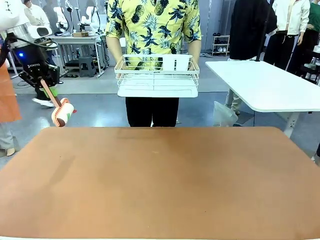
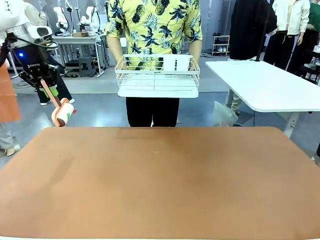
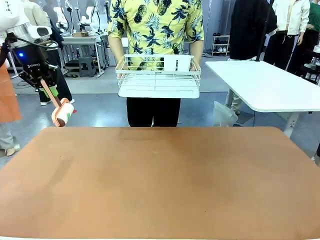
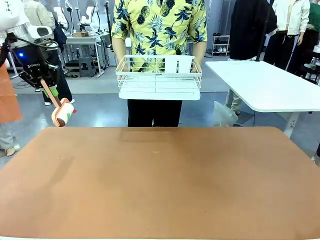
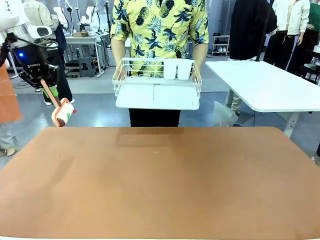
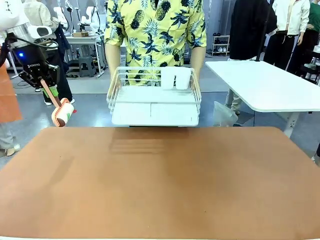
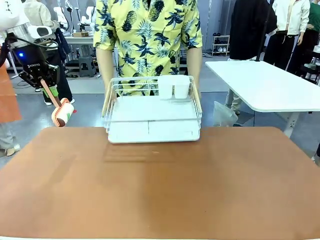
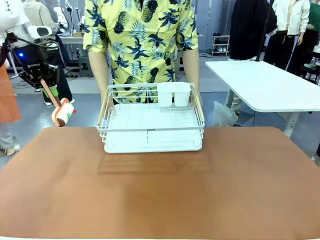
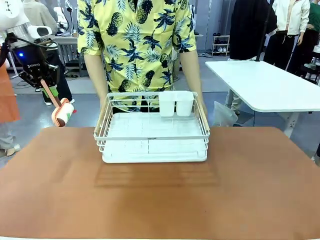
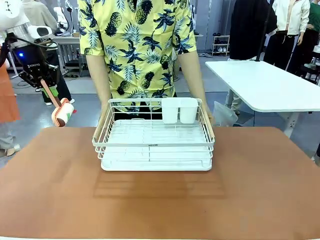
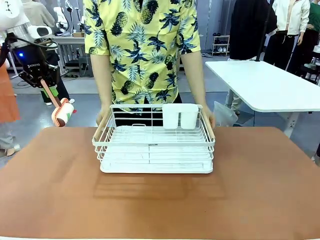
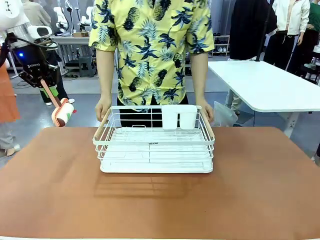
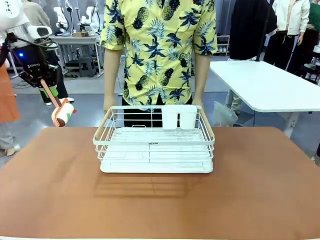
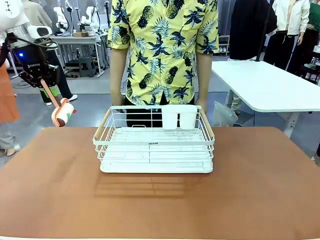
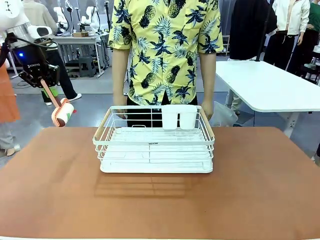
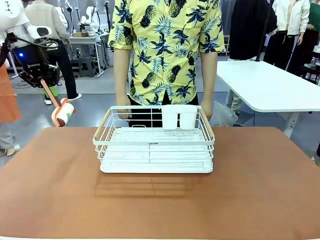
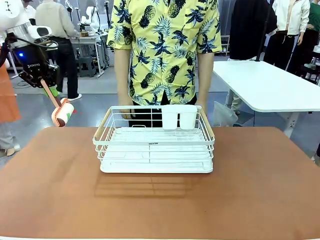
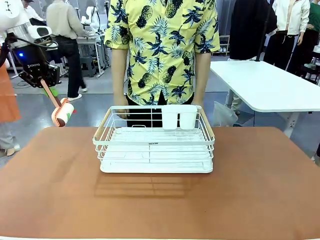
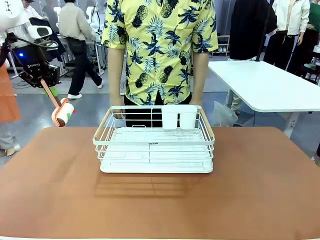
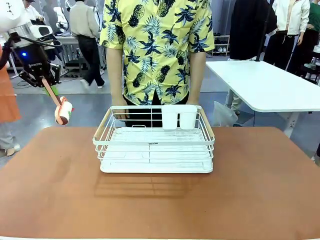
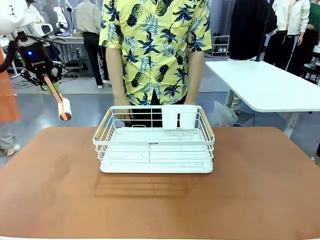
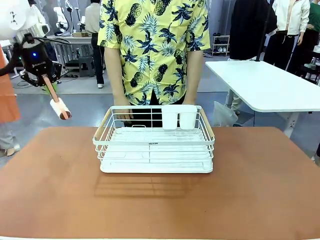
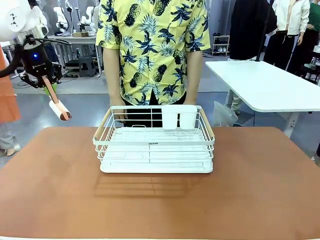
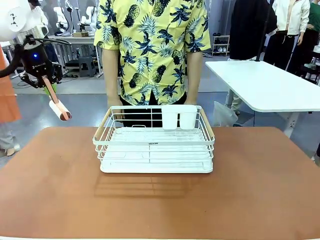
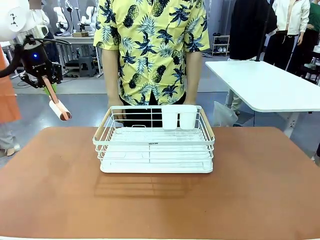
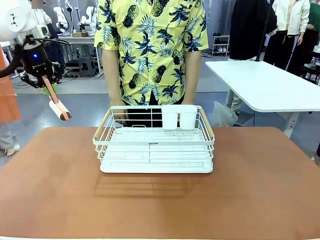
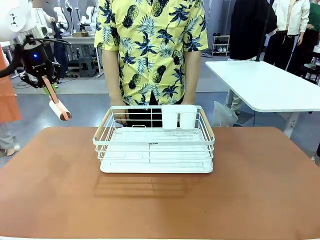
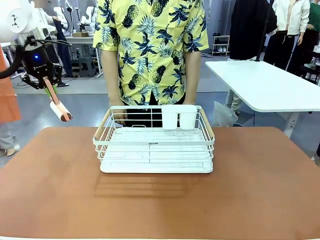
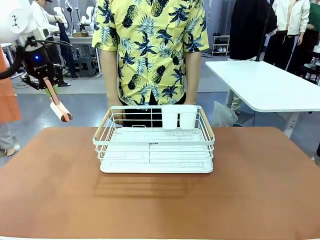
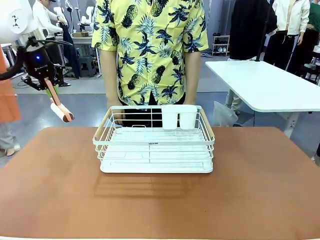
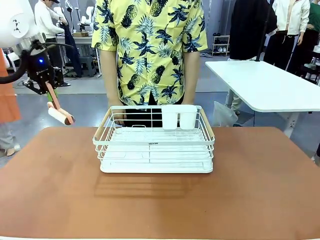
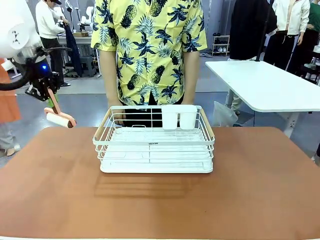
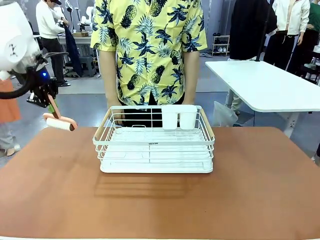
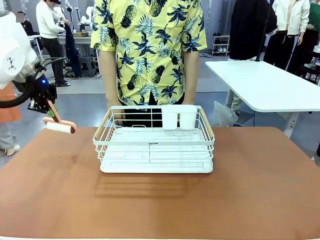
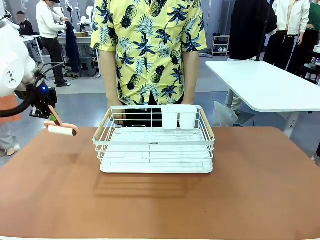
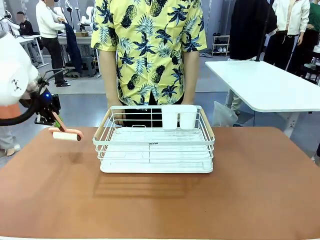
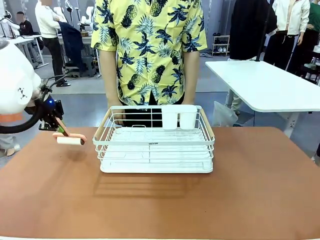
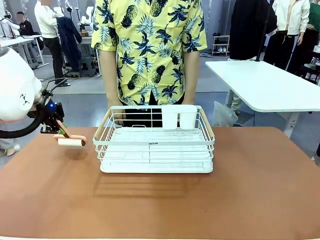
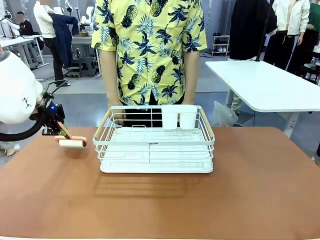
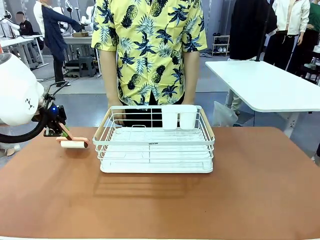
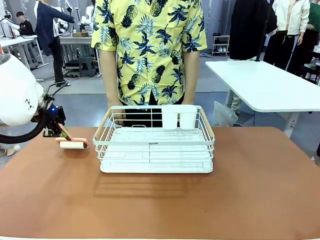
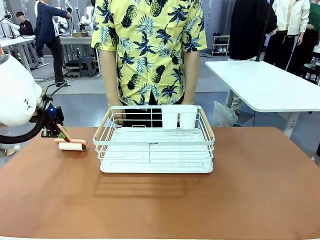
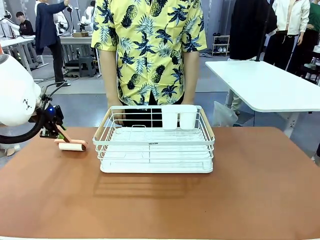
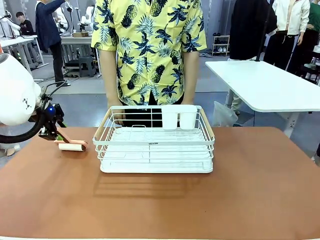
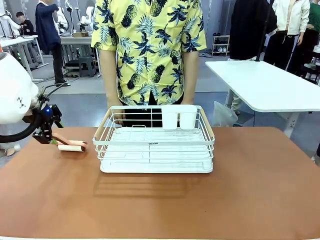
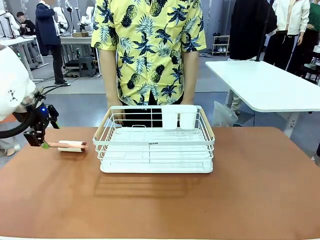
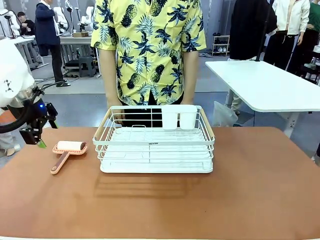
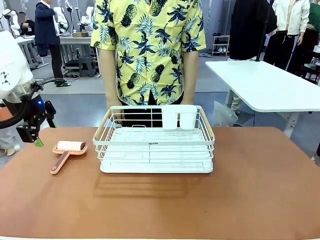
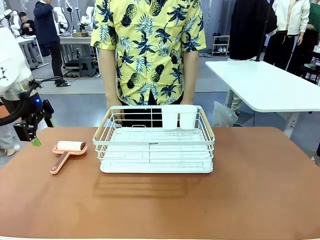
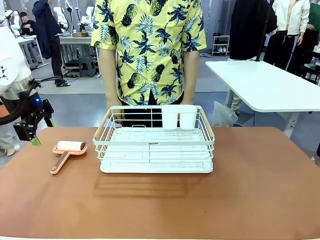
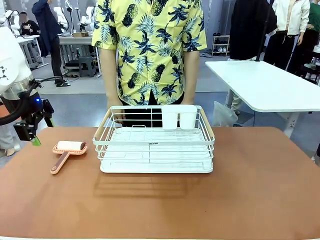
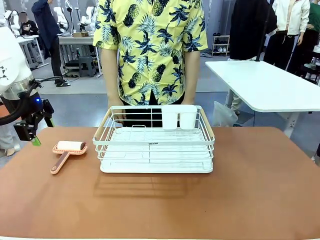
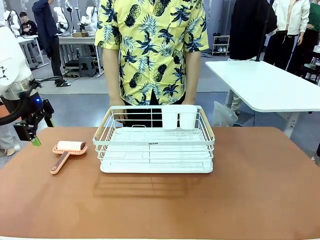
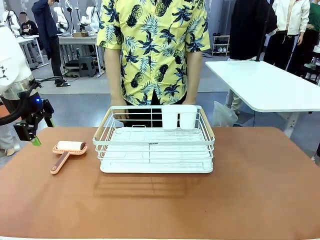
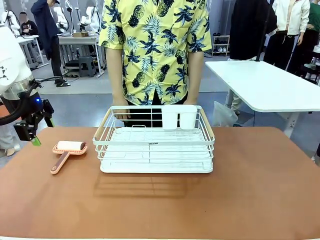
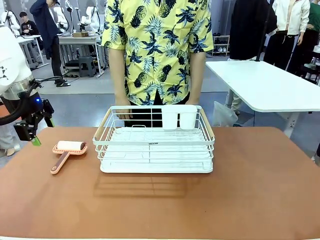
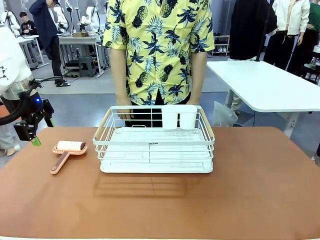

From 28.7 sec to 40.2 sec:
Task: Clean the table.
Robot: Place the Lint Roller down when the Dish drying rack is positioned in the middle of the table.

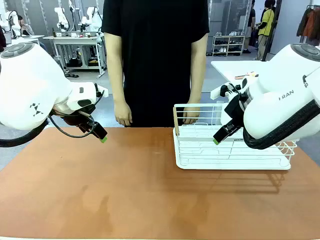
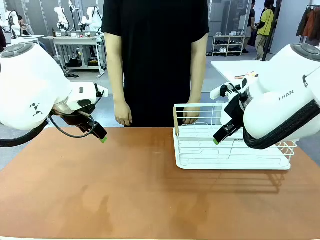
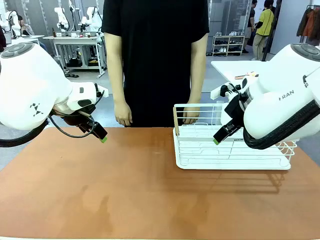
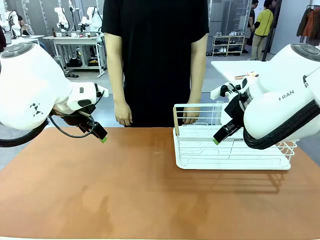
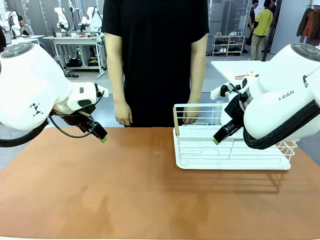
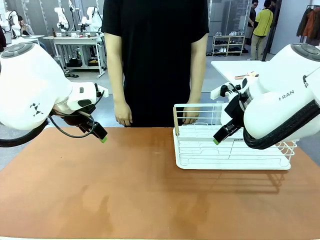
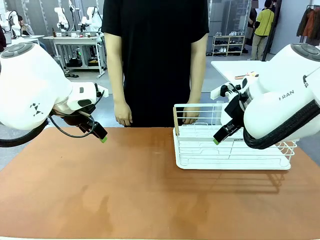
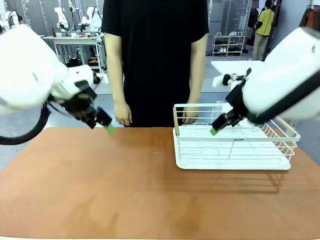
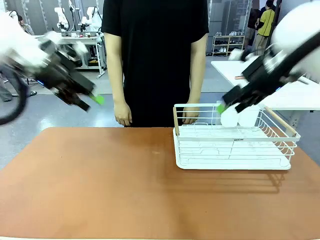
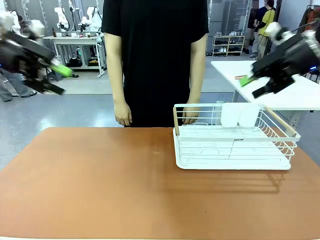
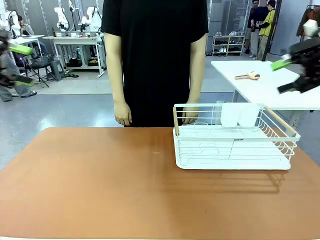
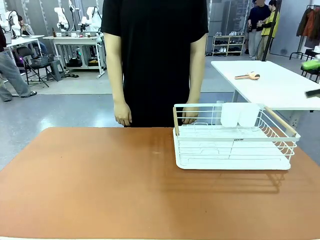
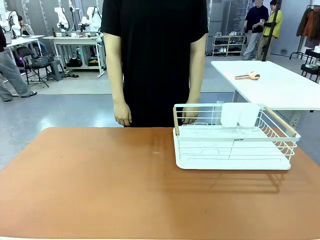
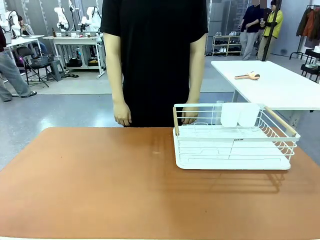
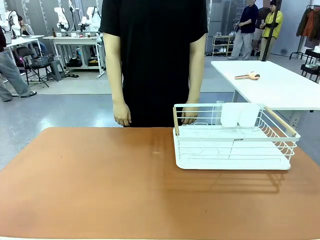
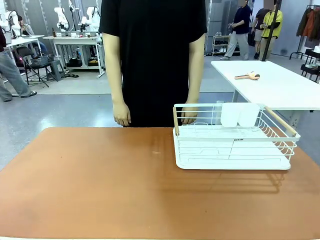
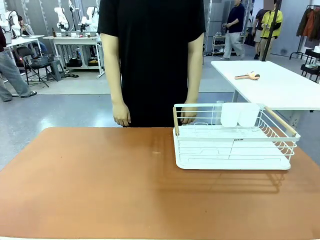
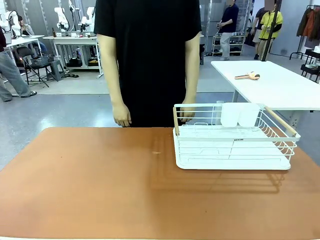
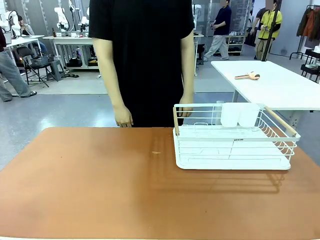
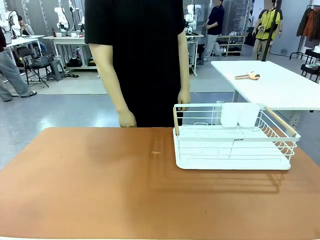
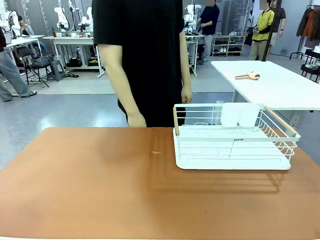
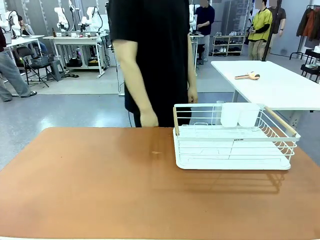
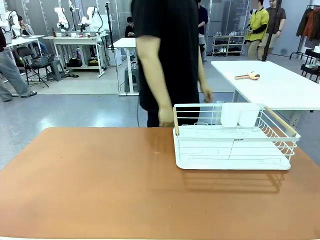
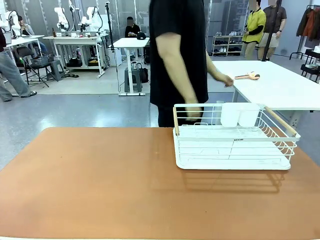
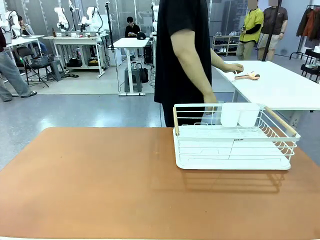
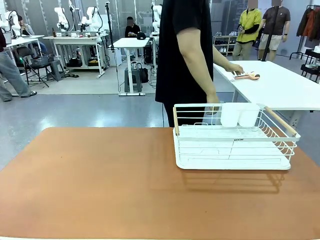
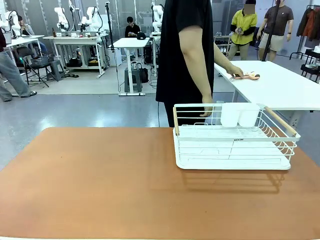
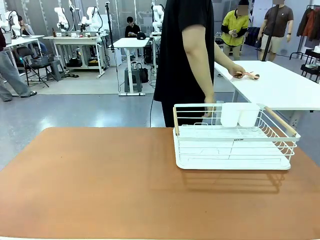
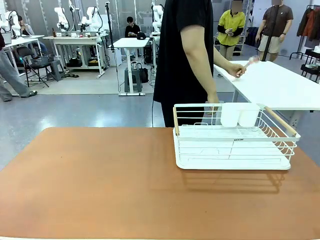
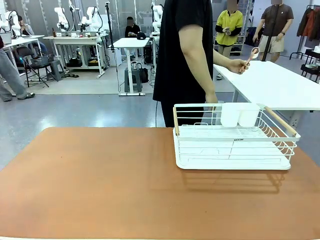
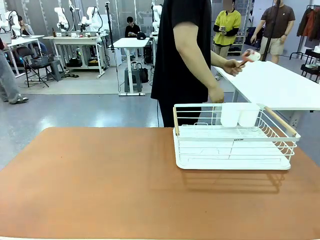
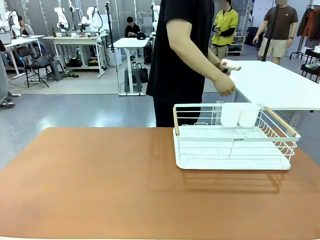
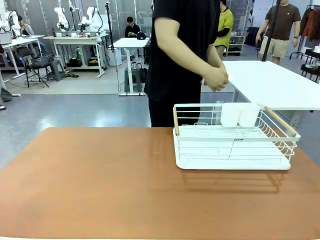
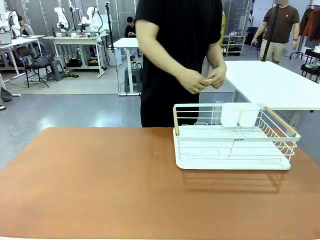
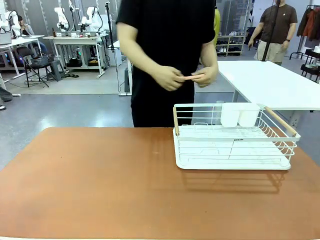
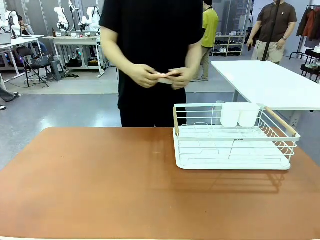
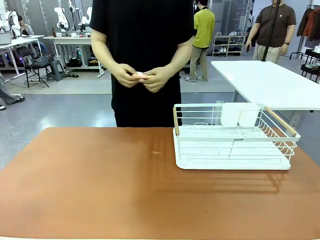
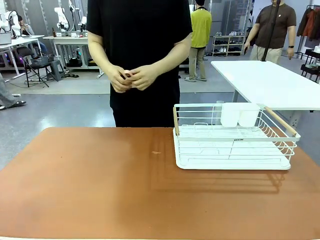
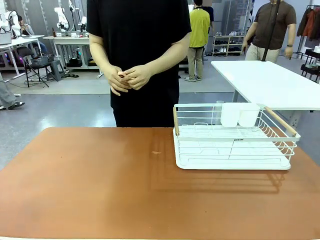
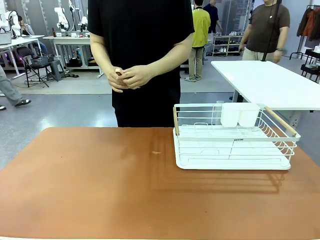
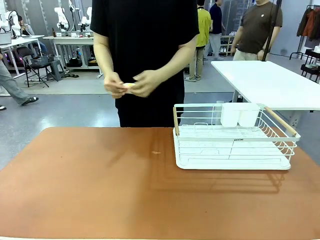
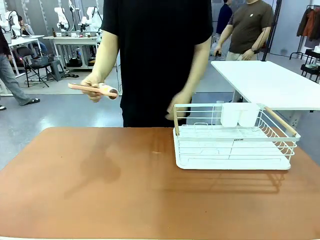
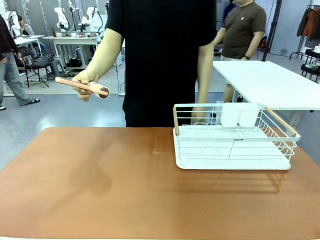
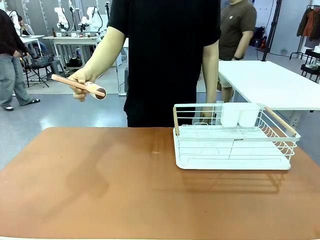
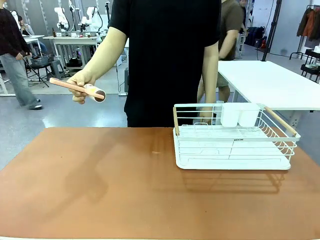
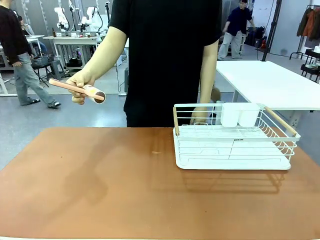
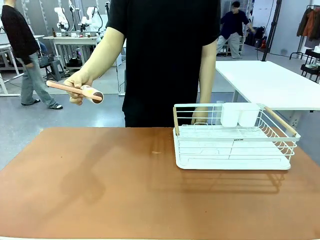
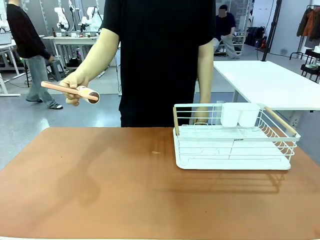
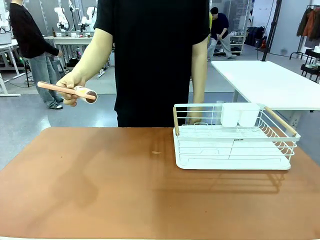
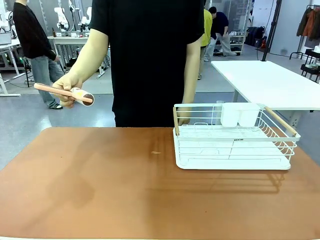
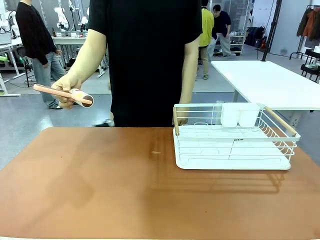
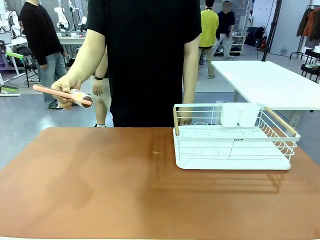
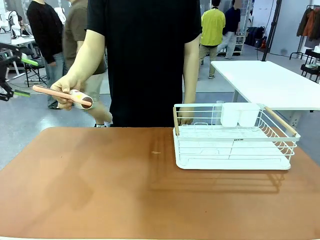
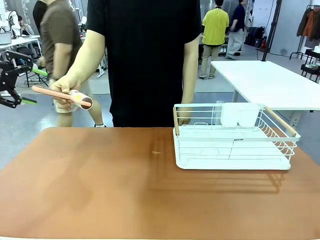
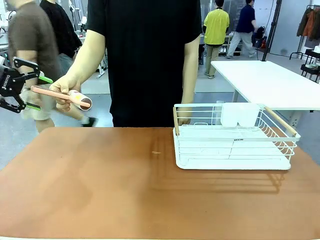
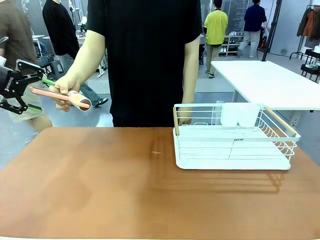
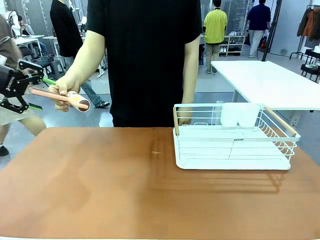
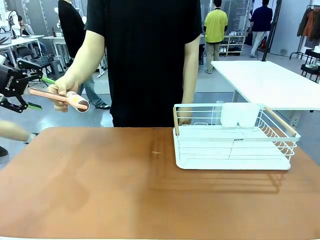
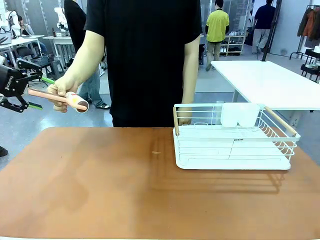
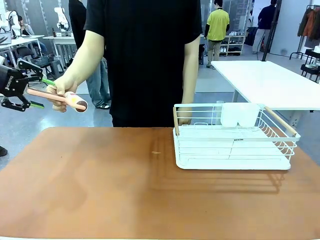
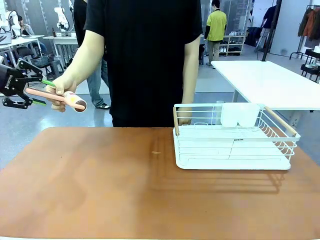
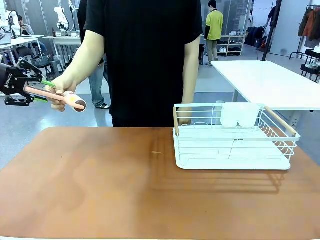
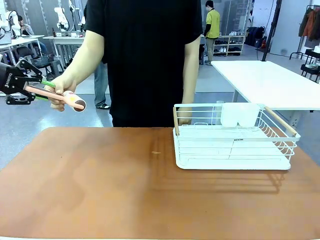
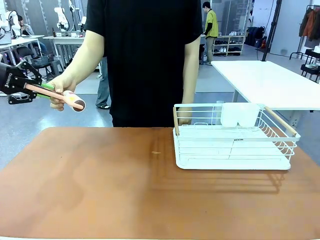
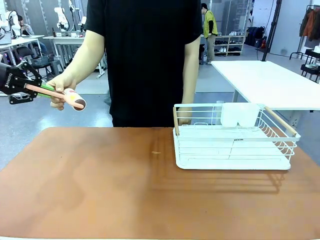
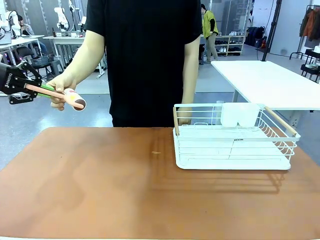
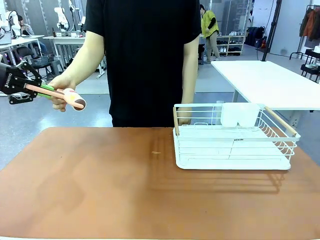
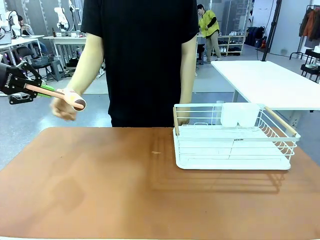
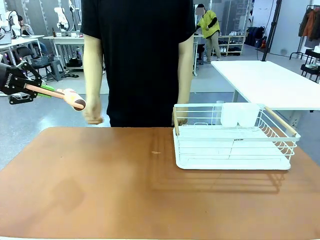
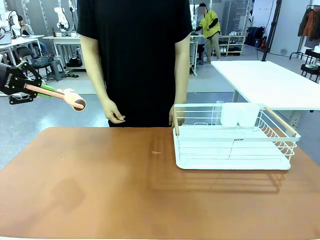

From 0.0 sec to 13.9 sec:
Task: Clean the table.
Robot: Pick up the Lint Roller when the human hands it over.
Person: Hand the Lint Roller to the robot so it can easily pick it up. Lift the Dish drying rack.
